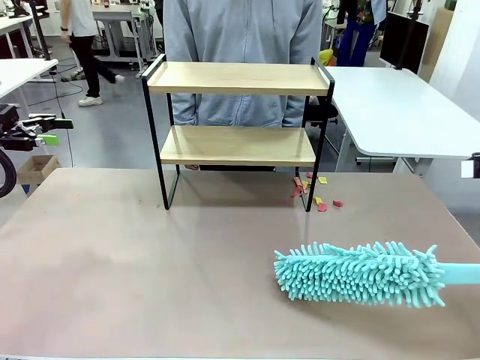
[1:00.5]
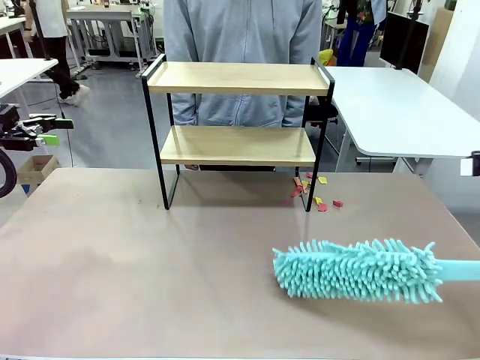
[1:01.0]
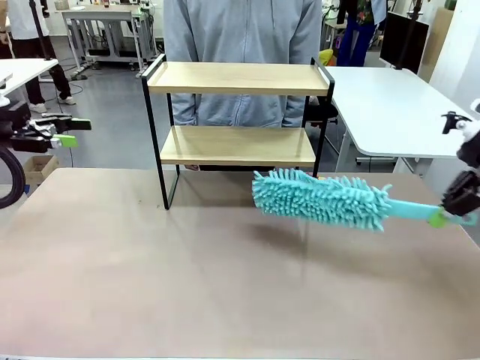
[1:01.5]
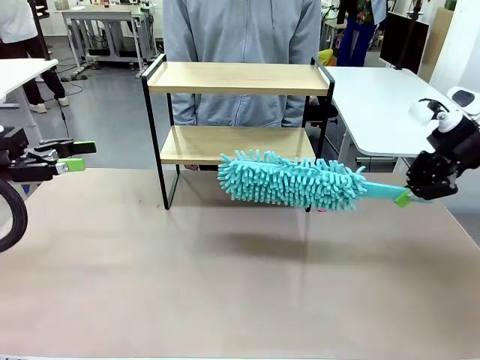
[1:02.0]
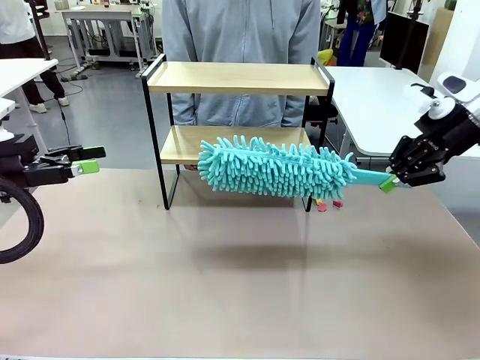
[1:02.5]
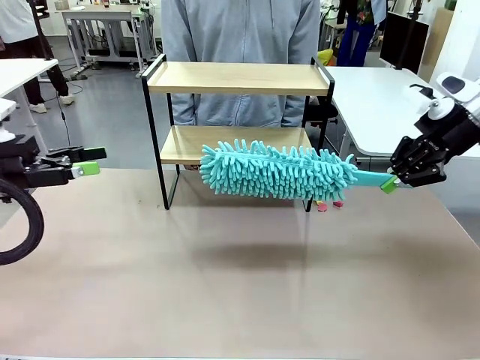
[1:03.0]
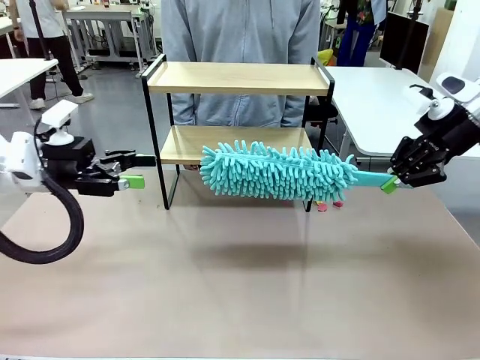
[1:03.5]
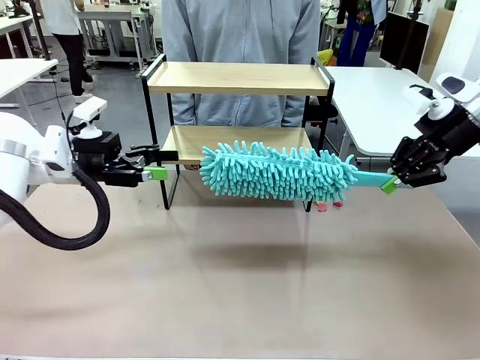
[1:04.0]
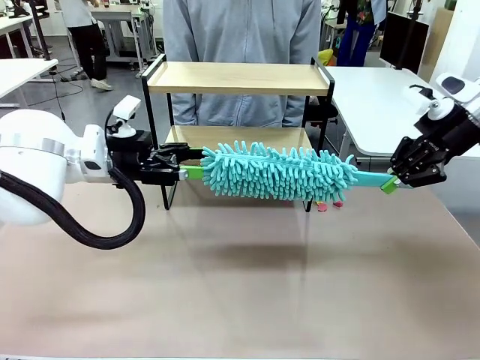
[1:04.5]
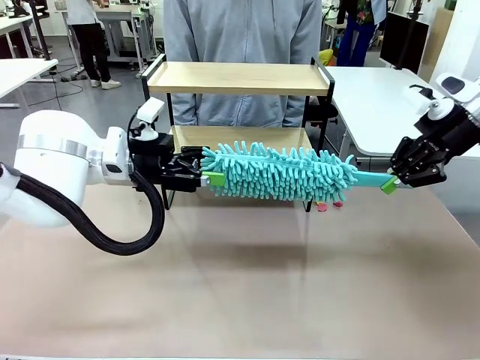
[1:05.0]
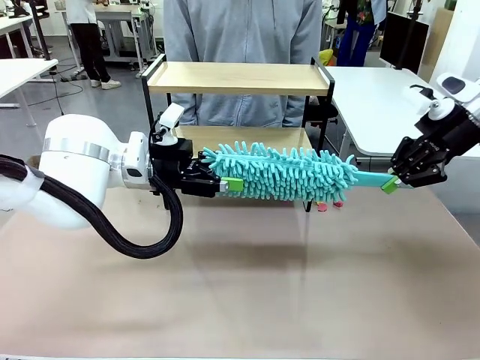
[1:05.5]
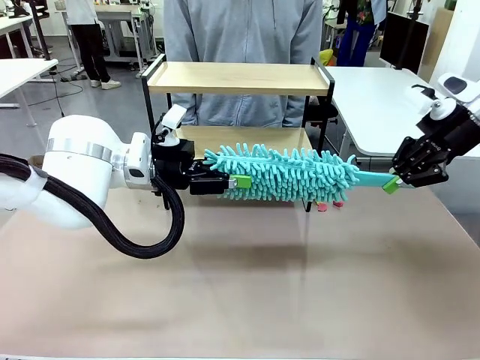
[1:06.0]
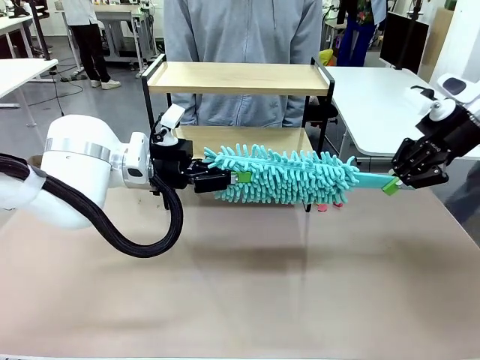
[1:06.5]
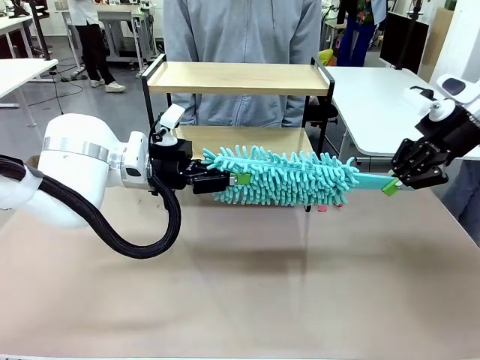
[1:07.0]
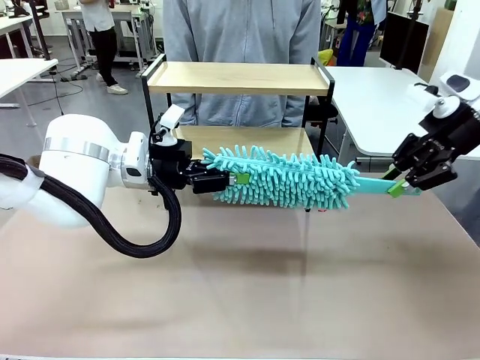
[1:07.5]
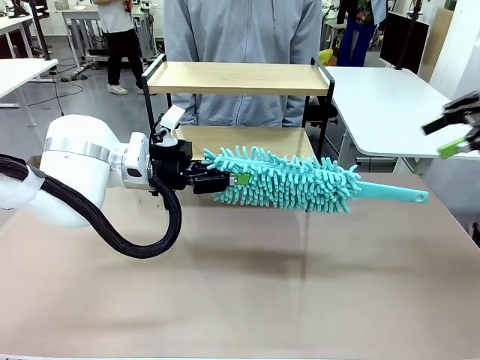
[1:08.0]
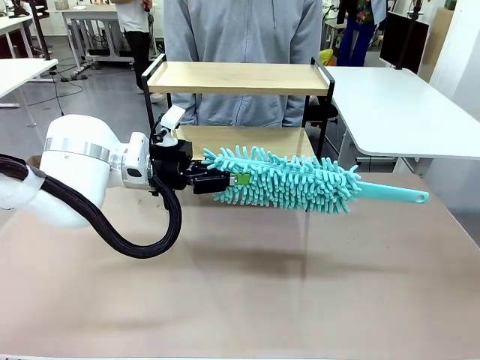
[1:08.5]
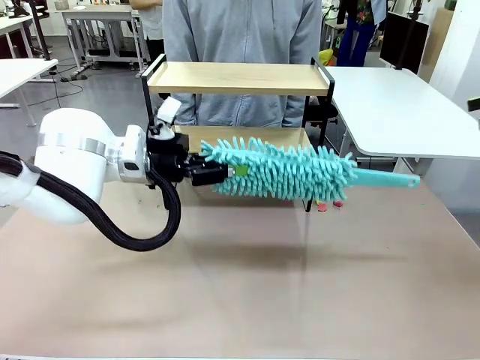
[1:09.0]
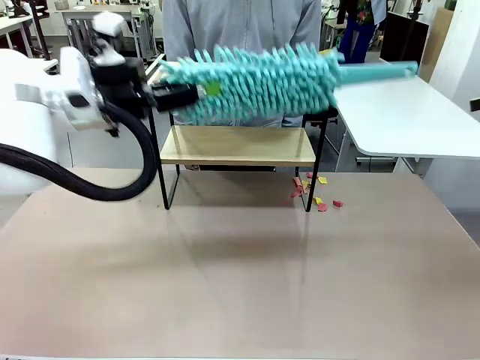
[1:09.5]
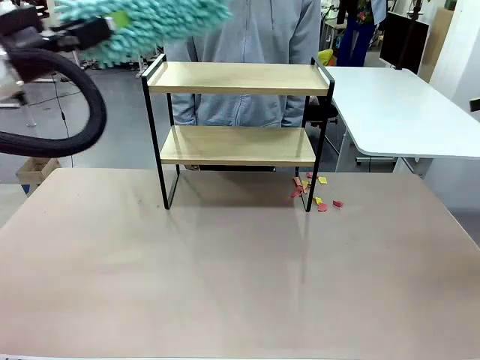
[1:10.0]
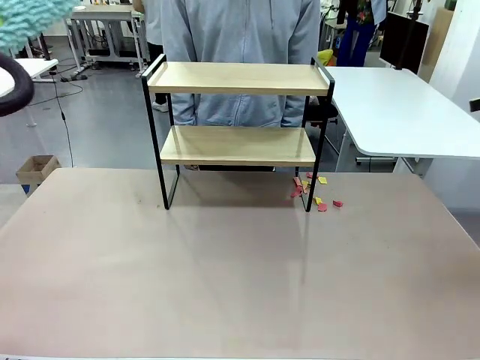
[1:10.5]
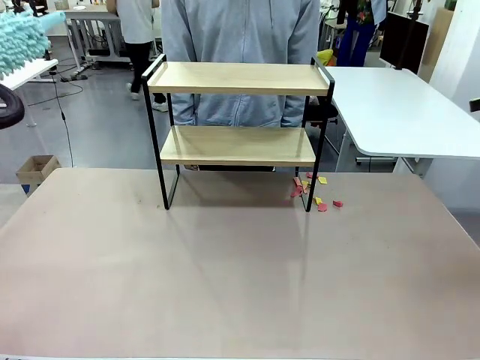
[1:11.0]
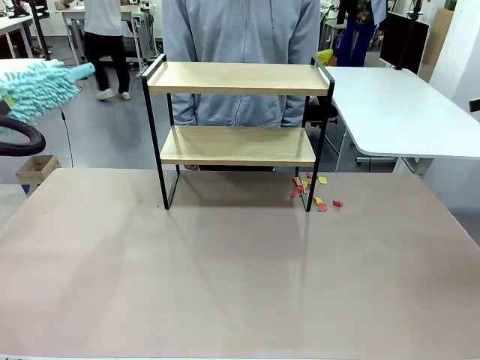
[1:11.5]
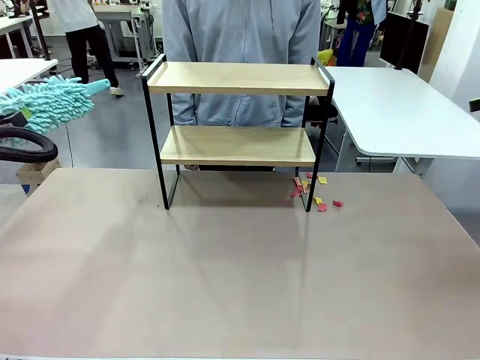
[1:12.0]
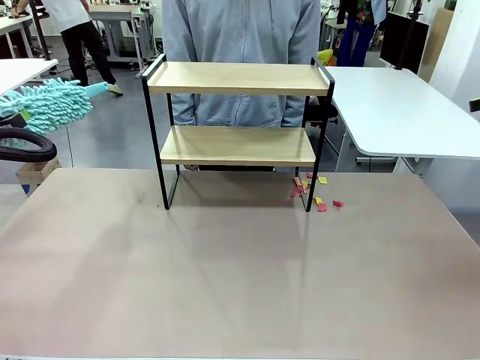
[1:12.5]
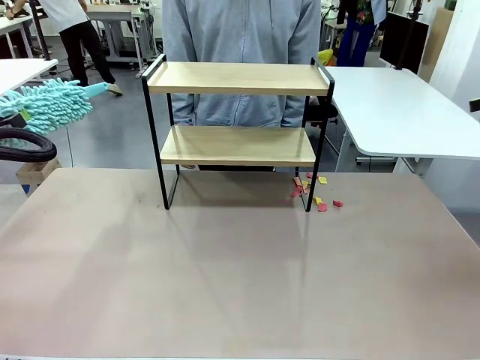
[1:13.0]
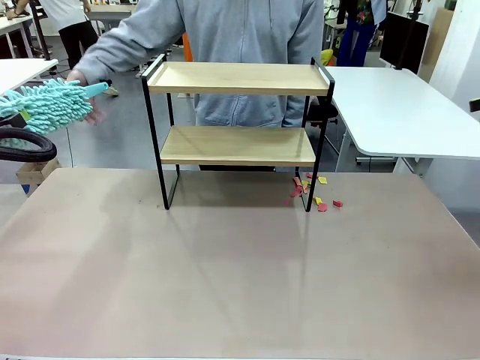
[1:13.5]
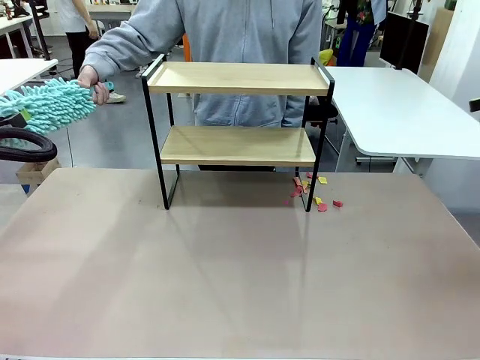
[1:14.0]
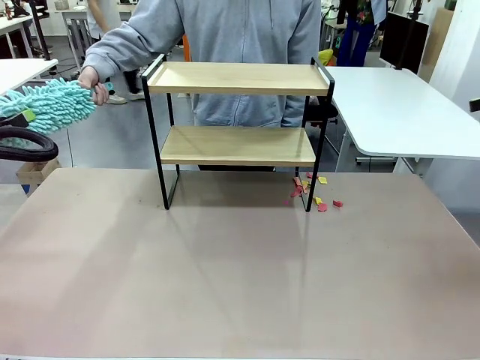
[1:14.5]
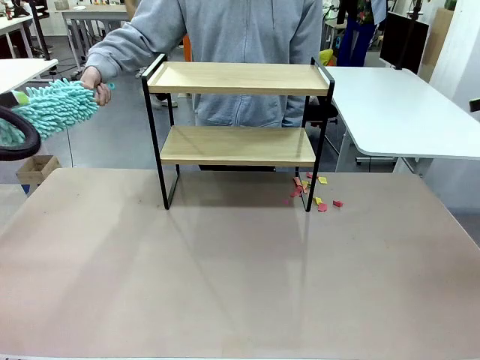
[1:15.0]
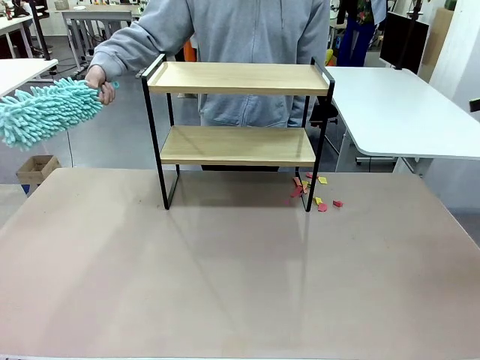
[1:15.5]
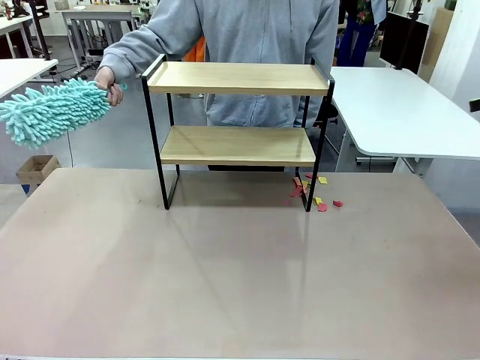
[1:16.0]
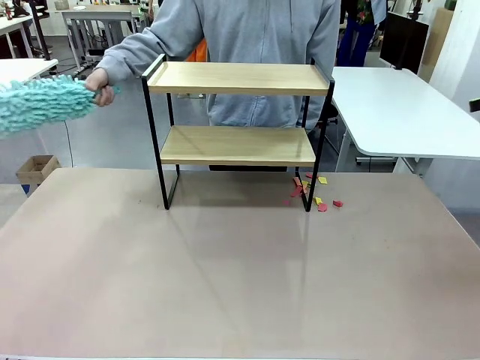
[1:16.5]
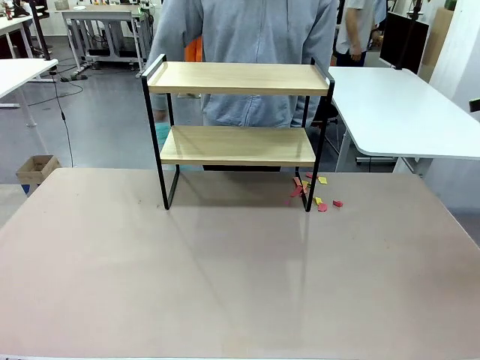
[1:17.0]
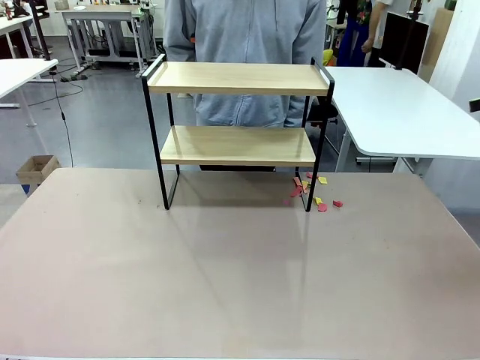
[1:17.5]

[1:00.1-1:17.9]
Task: Clean the shelf.
Robot: Hand the Duster back to the human.
Person: Receive the Duster from the robot.

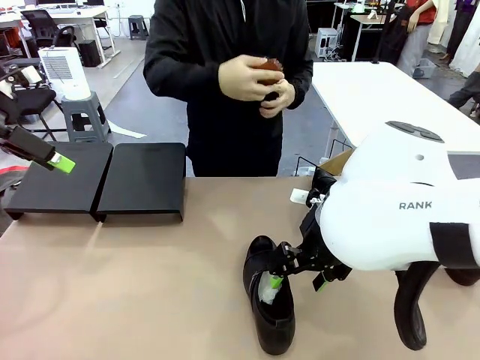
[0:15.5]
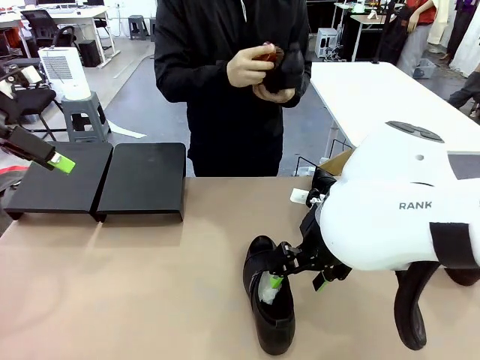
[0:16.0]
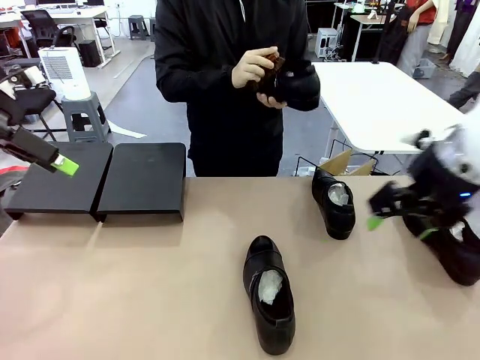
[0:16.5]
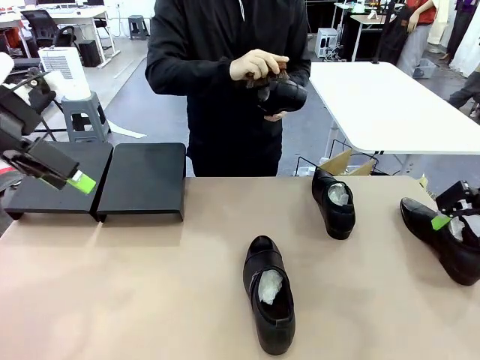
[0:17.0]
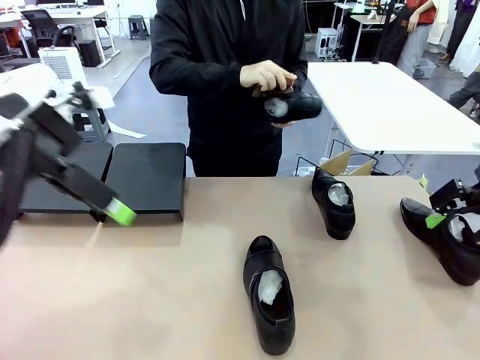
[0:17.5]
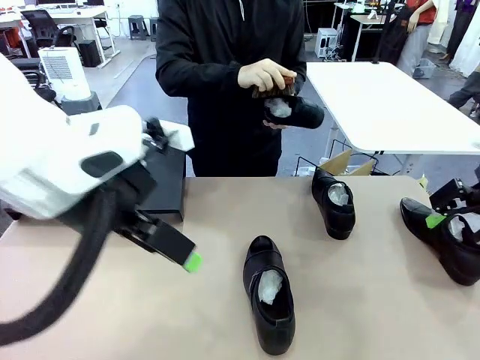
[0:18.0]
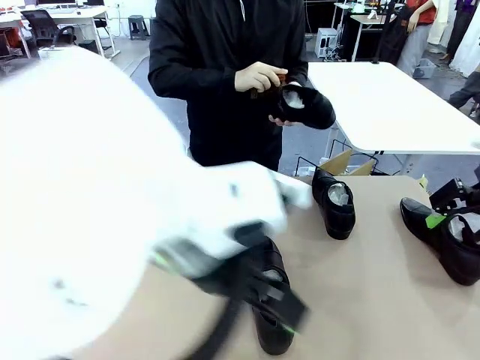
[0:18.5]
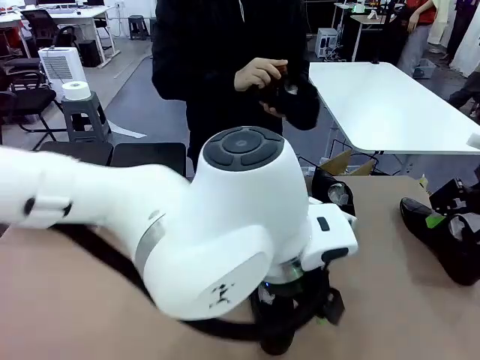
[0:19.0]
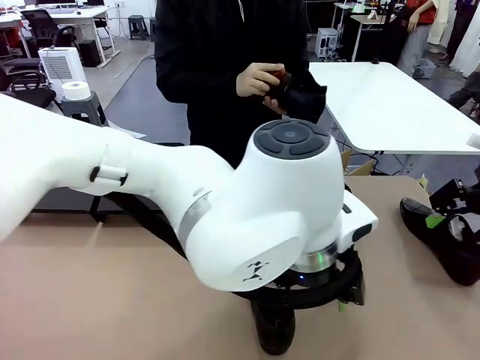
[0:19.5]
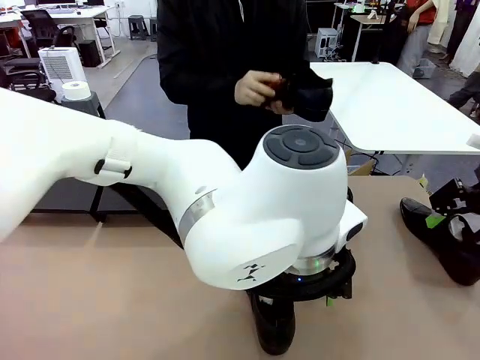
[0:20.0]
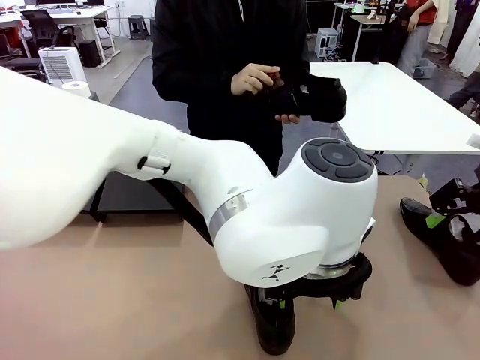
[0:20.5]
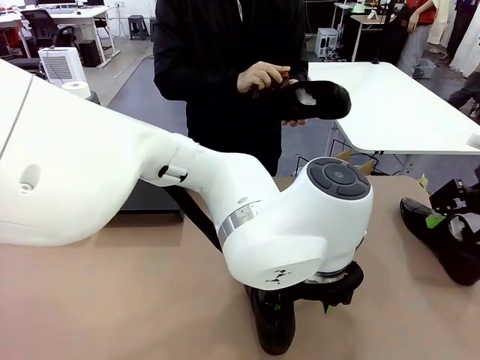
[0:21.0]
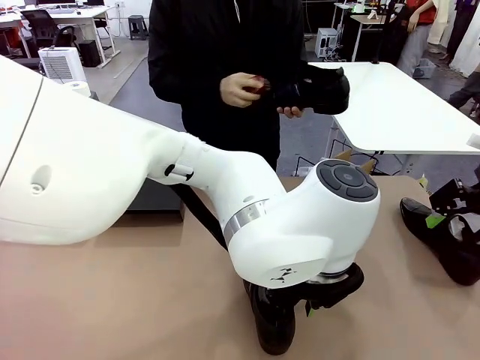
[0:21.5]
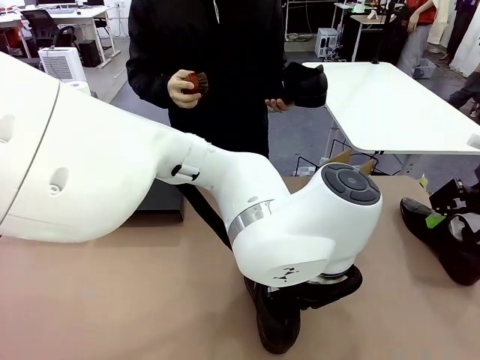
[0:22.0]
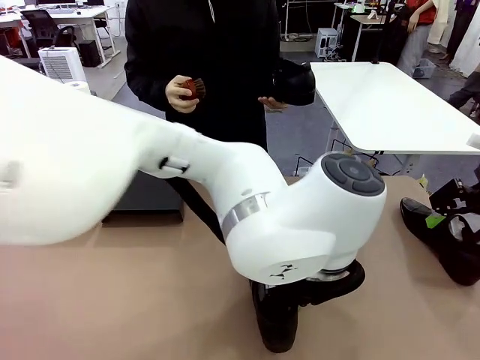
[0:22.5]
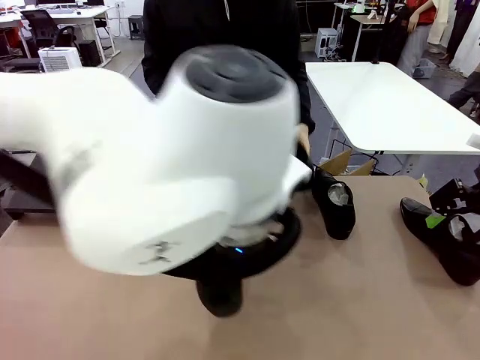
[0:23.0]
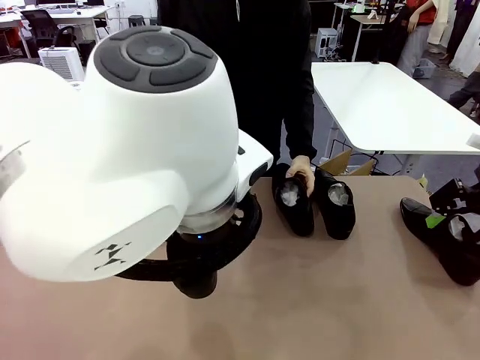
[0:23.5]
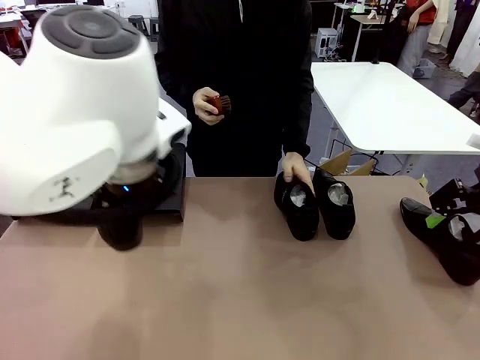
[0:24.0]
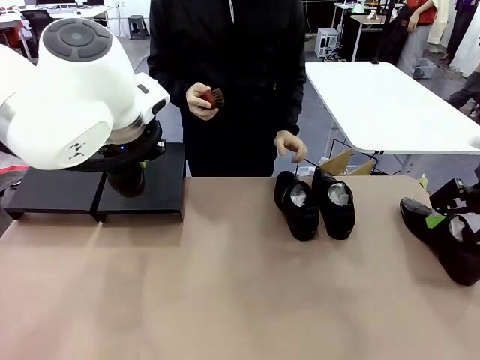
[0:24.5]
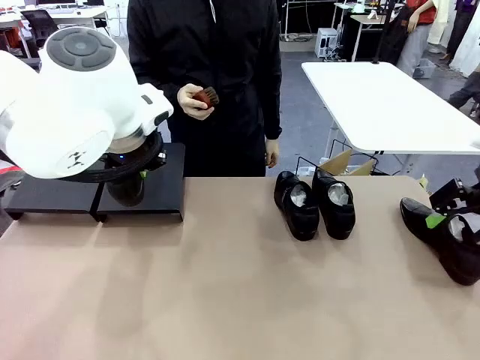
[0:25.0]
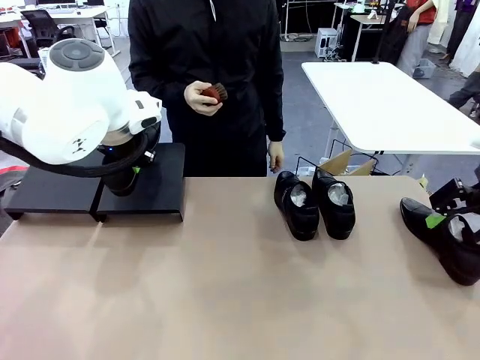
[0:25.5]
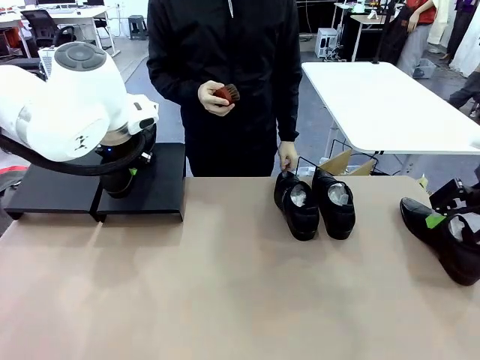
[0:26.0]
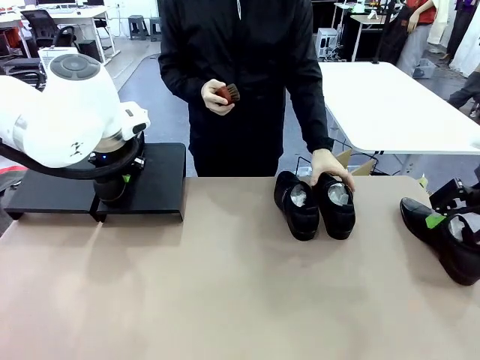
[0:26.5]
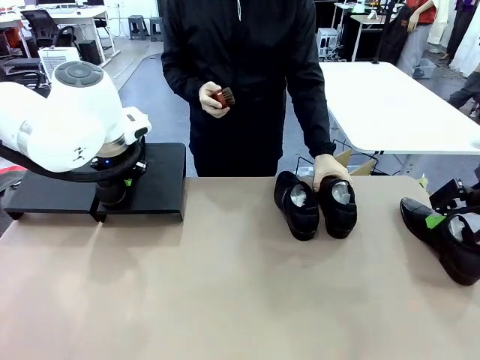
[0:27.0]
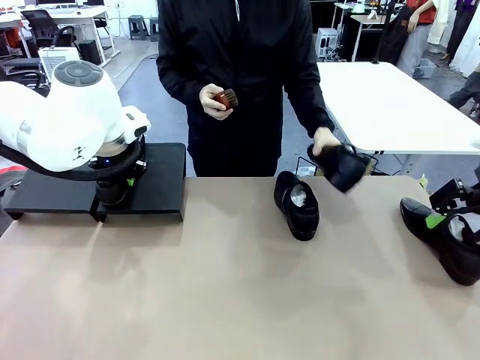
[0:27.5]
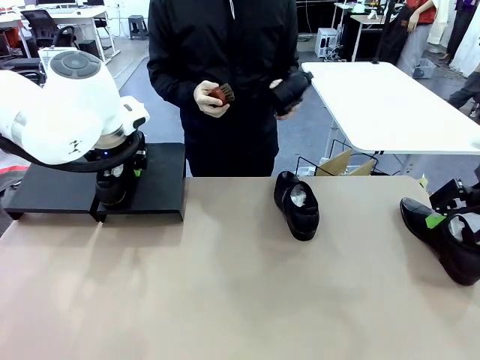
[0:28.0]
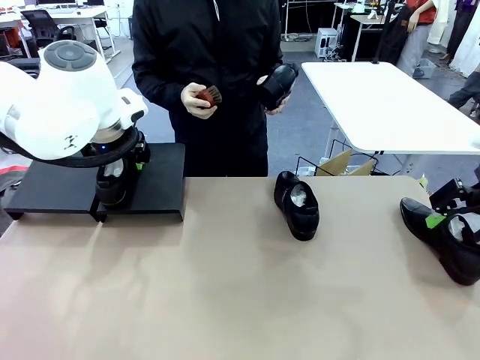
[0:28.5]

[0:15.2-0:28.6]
Task: Organize the shoes by placing them on the stand.
Robot: Place the Shoe from the middle of the table onto the Shoes Stand.
Person: Place the Shoe on left side of the Robot's table. Pick one Shoe on Robot's table.
